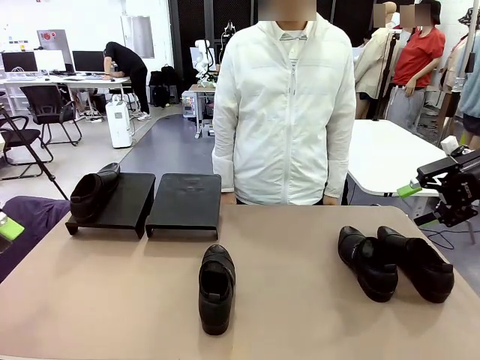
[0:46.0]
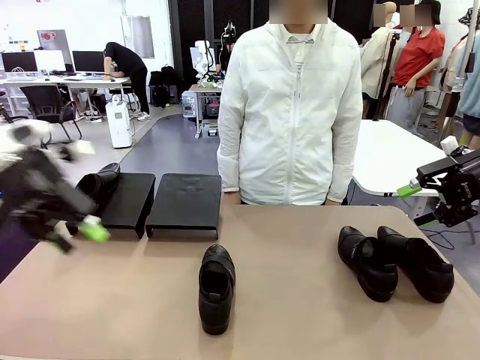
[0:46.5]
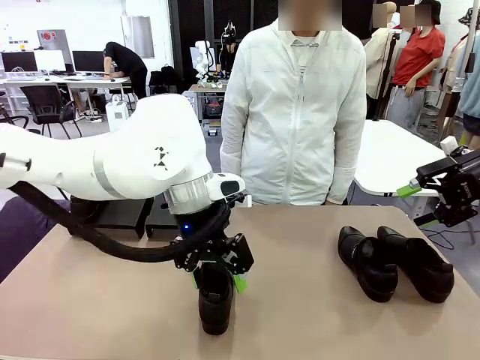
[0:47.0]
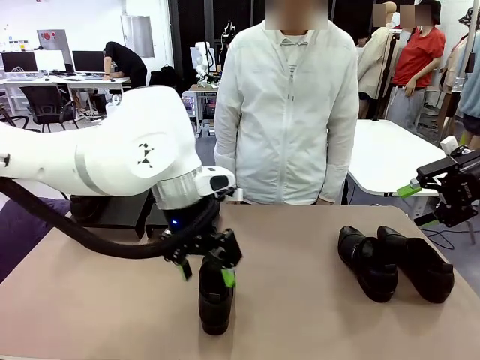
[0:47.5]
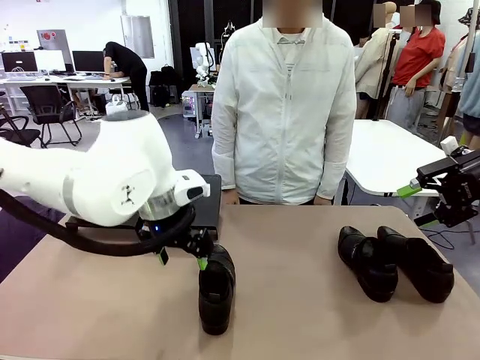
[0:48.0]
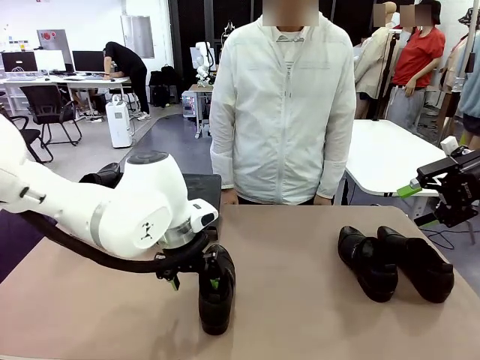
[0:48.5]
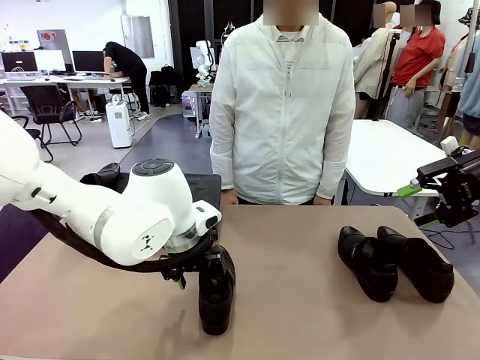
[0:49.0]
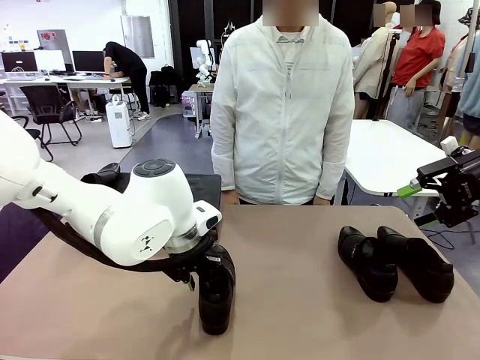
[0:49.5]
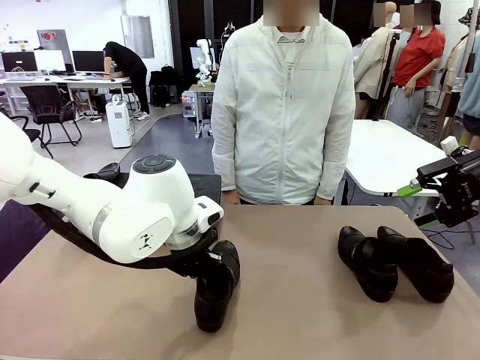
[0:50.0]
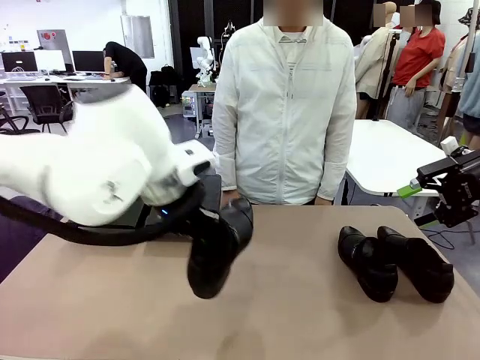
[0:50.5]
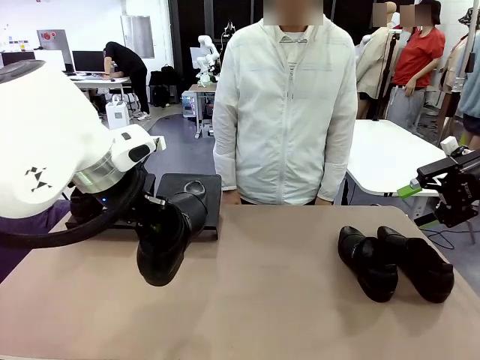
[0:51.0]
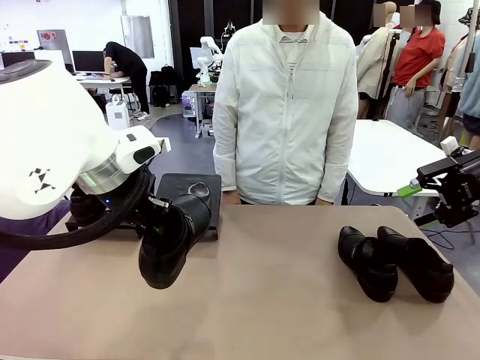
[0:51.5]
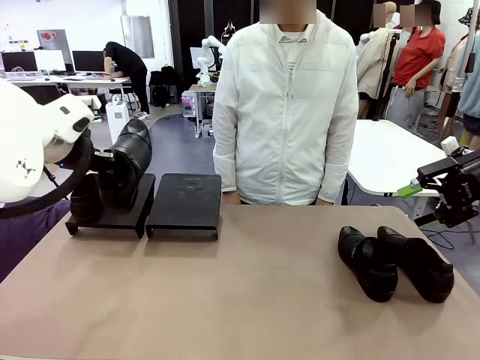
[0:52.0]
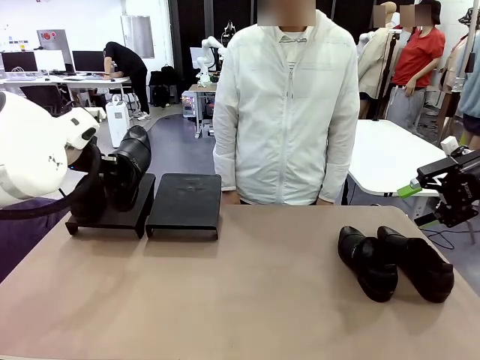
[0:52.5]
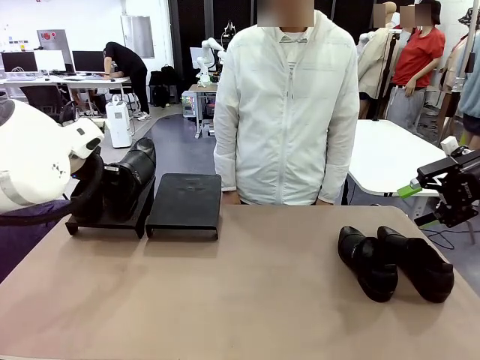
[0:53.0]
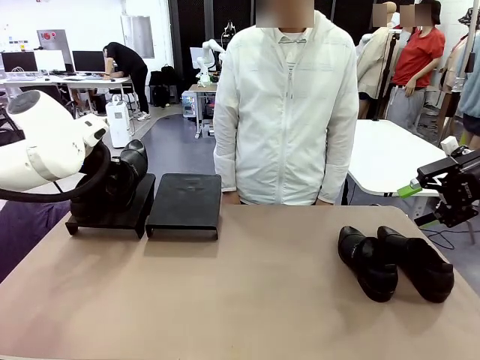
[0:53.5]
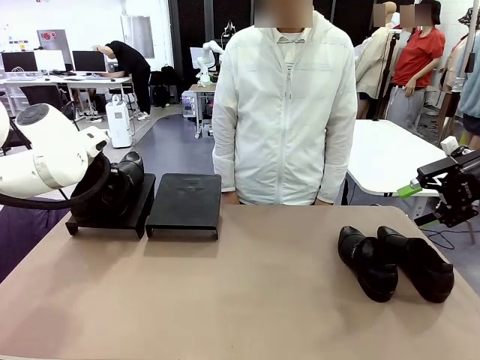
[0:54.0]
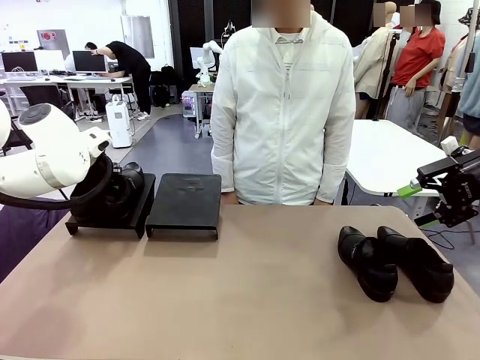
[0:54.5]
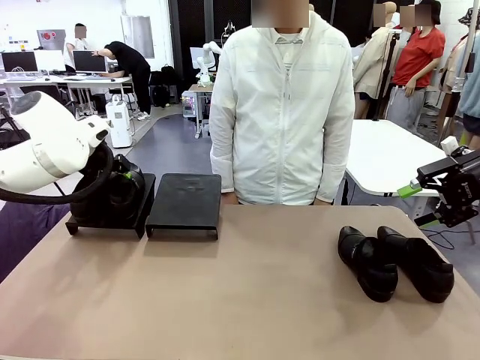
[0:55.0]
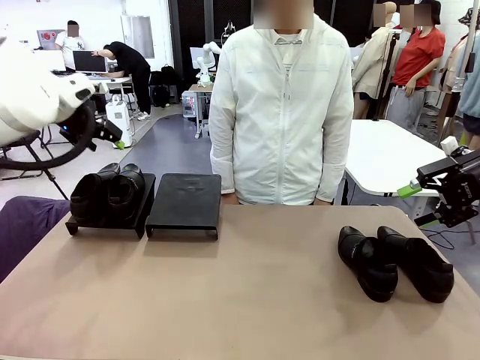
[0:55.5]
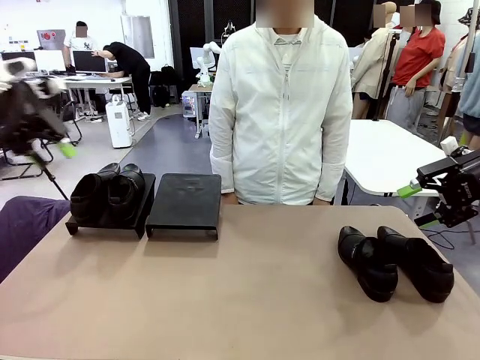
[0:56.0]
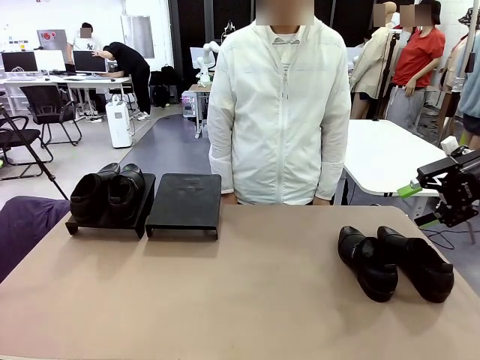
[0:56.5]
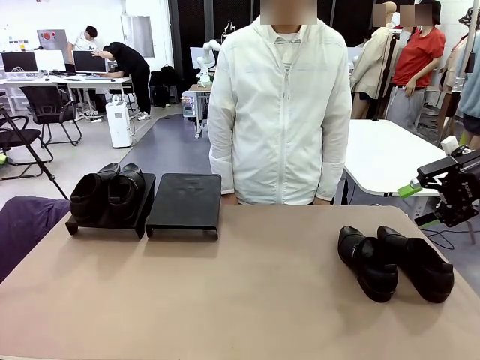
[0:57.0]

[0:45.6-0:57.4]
Task: Organize the shoes by placing them on the stand.
Robot: Place the Shoe from the middle of the table onto the Shoes Stand.

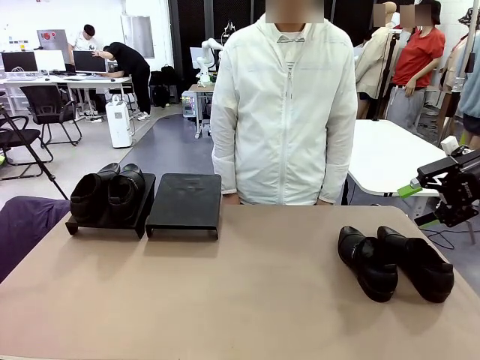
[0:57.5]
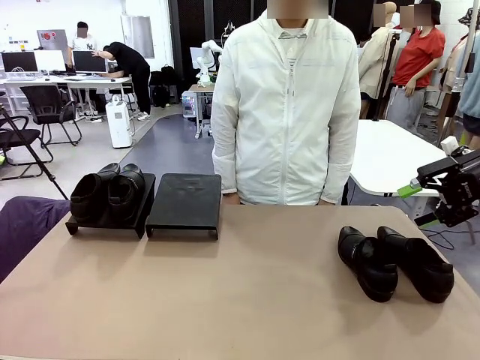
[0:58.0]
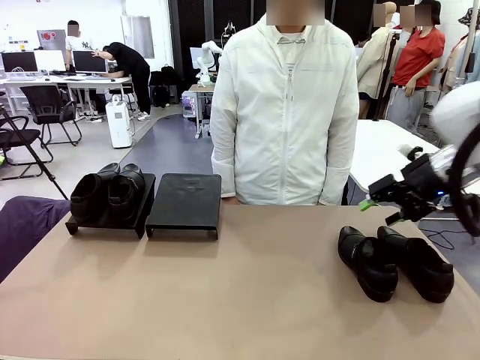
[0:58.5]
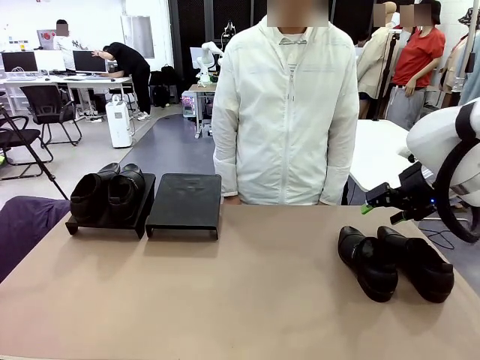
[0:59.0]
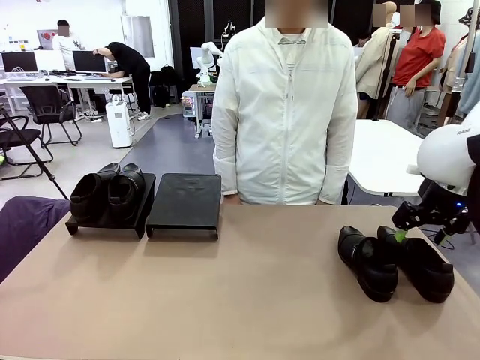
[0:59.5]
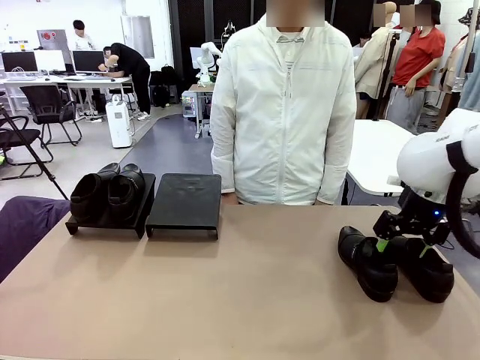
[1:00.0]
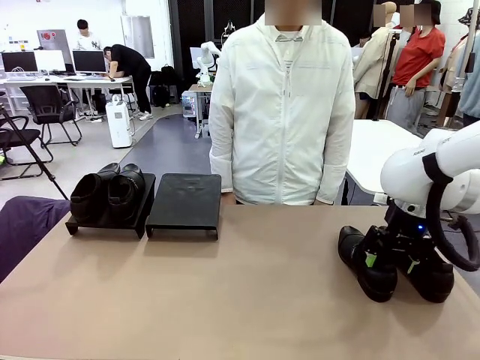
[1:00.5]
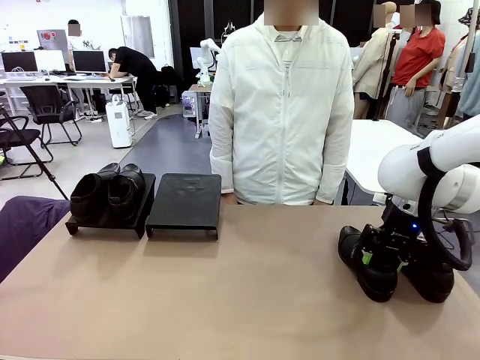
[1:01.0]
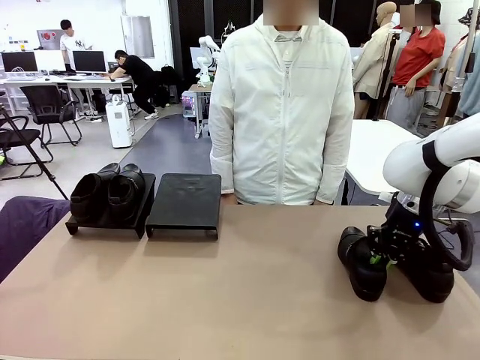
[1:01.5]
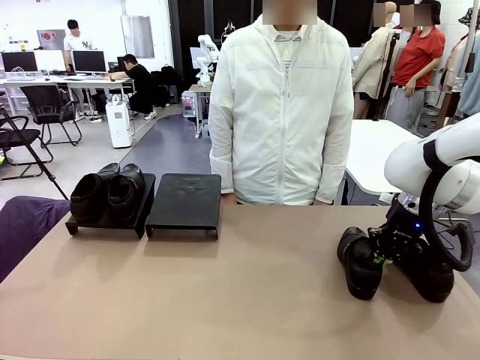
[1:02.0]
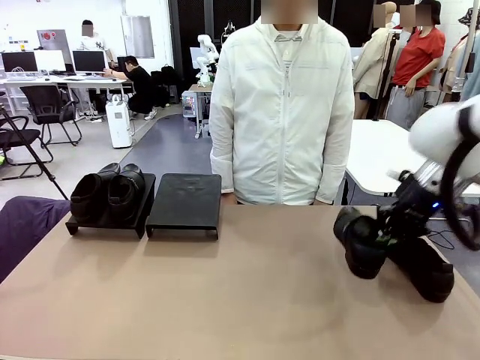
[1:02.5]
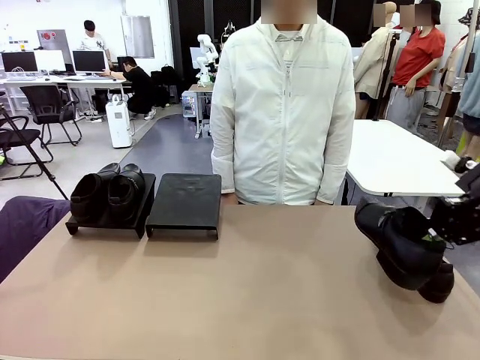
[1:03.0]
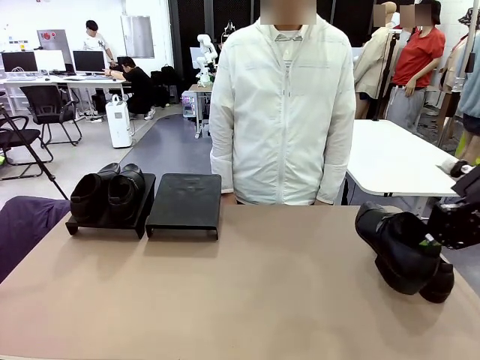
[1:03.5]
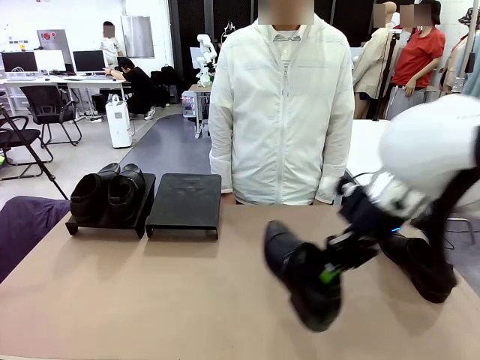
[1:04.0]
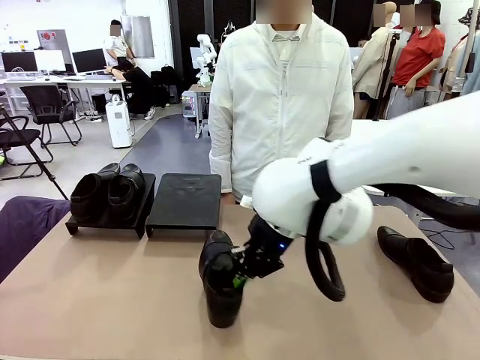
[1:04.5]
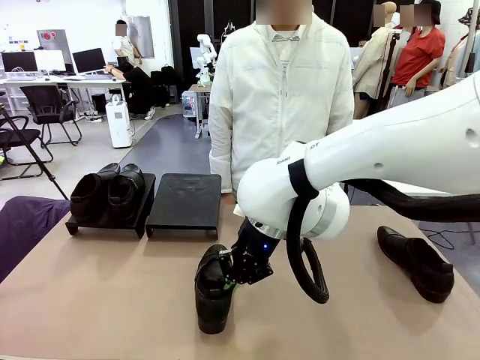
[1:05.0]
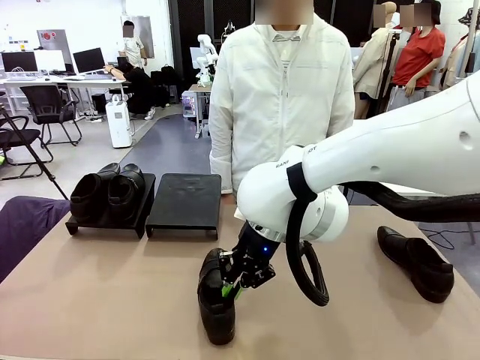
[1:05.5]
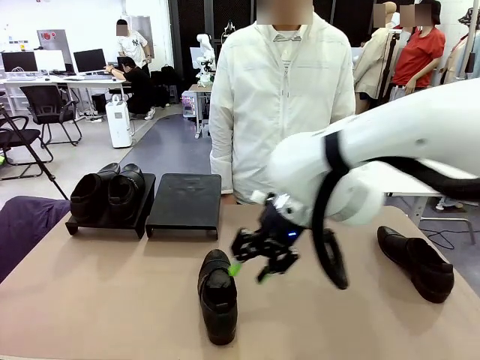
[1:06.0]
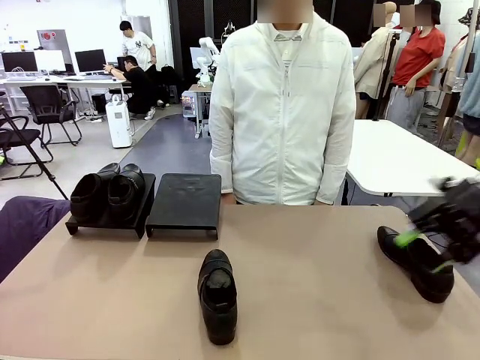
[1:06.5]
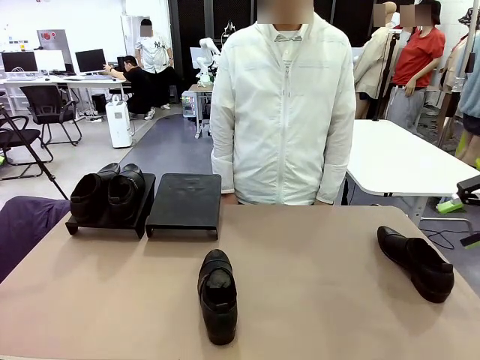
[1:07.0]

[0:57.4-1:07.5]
Robot: Pick up one Shoe and place it in the middle of the table.

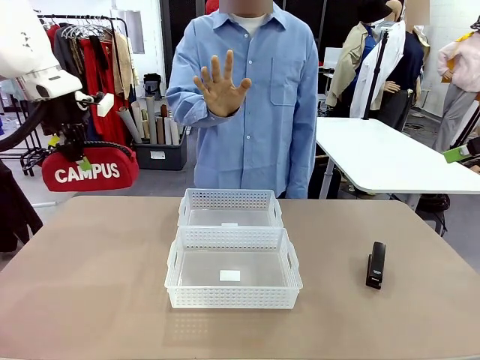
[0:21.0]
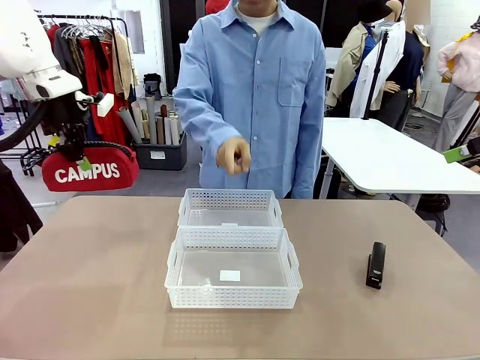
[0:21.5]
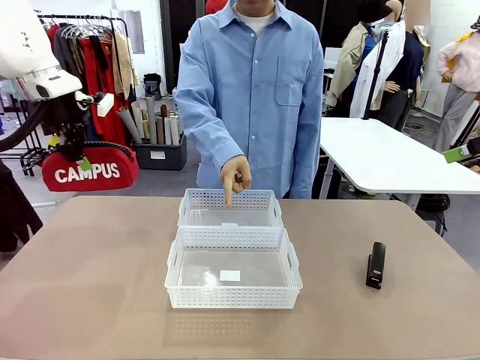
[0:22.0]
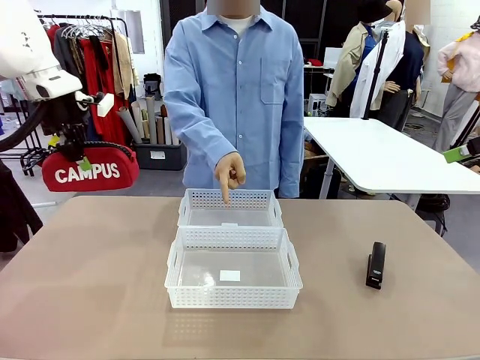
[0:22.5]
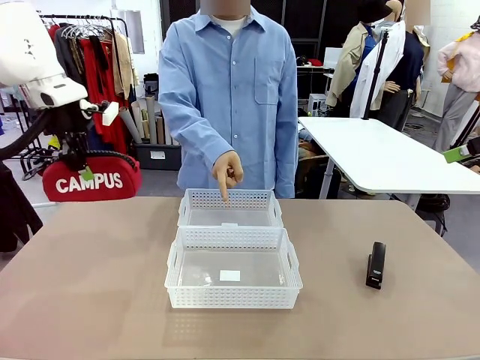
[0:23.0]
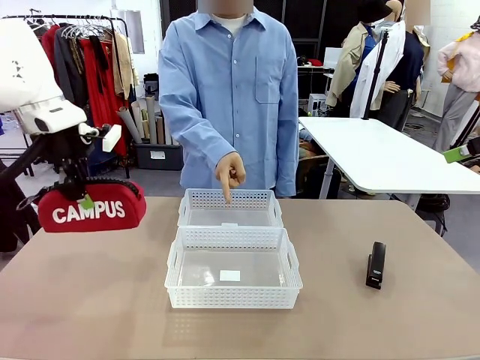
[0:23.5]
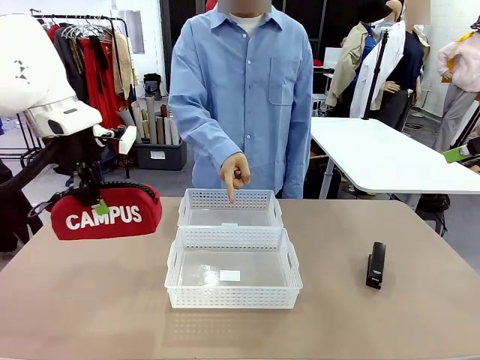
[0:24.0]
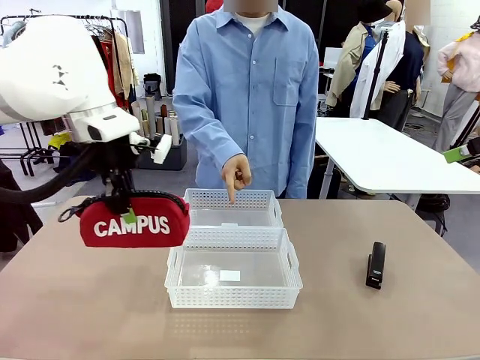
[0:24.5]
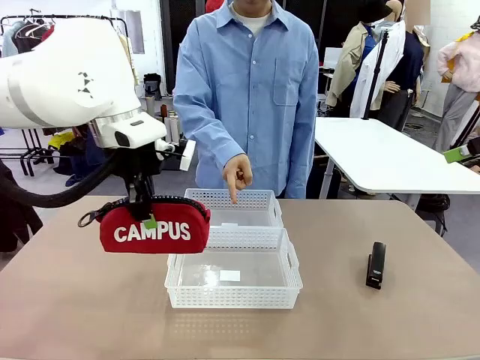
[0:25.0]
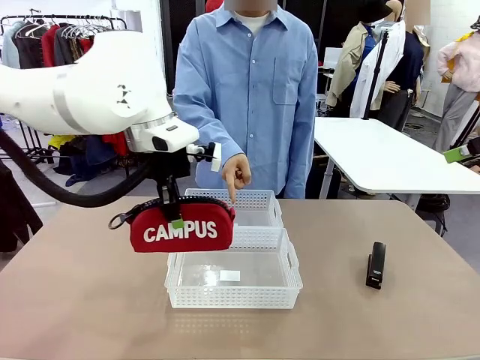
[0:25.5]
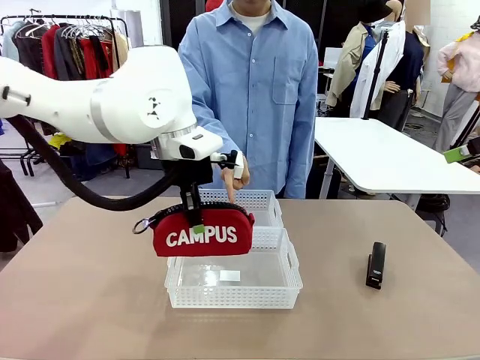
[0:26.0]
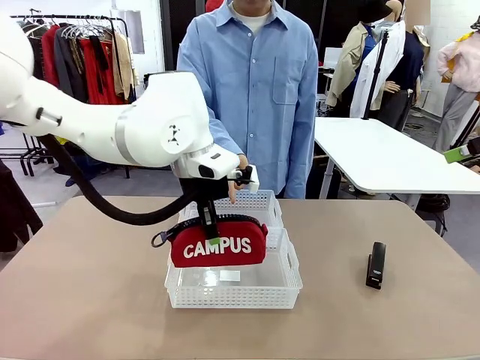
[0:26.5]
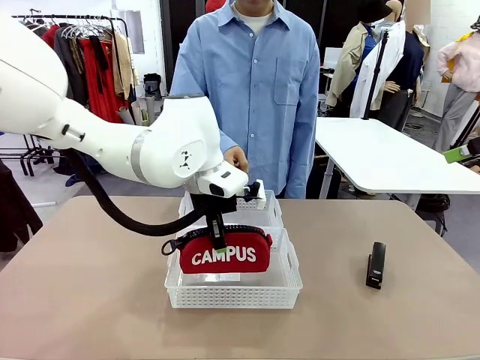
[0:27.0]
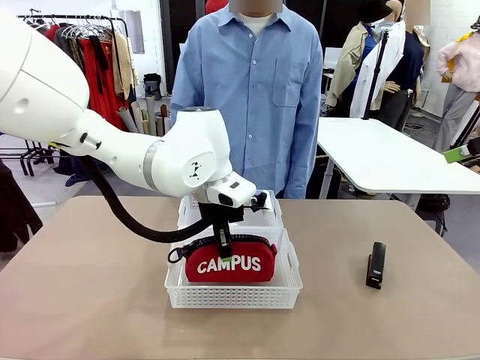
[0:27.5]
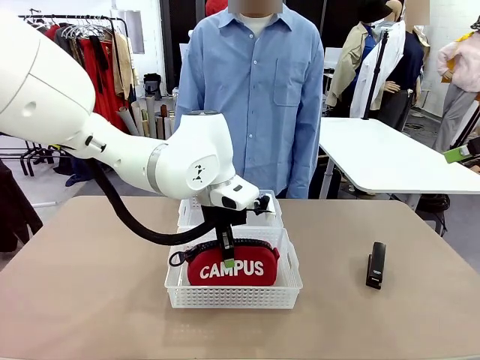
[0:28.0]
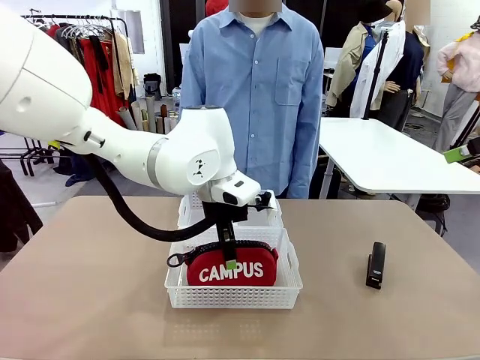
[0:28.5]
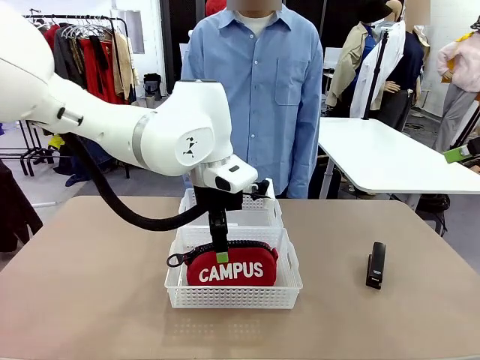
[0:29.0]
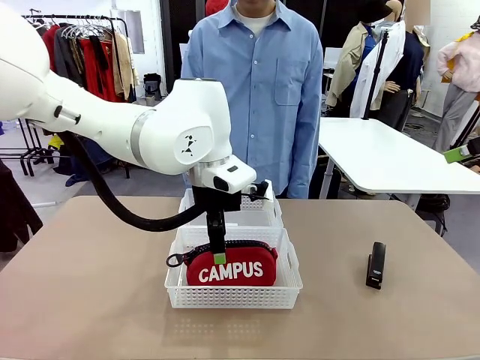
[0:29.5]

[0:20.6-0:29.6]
Task: Distribute items into two baskets.
Robot: Place the picked Pencil pouch into the Organizing basket as instructed by the person.
Person: Instructs the robot to place the pencil case into the opposite basket. Points to the stapler.
